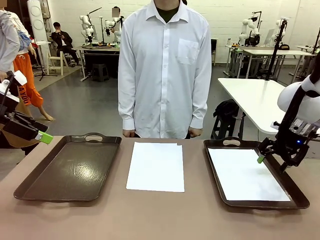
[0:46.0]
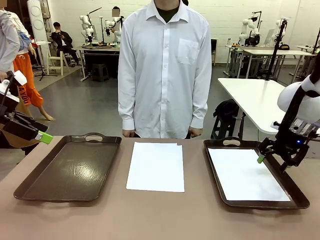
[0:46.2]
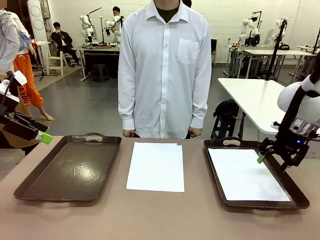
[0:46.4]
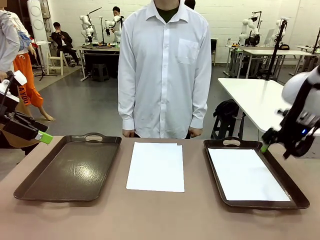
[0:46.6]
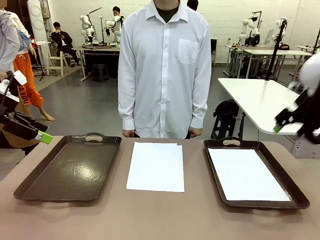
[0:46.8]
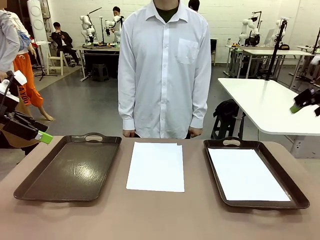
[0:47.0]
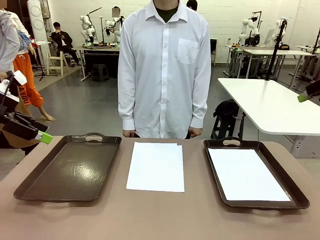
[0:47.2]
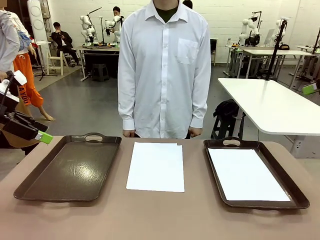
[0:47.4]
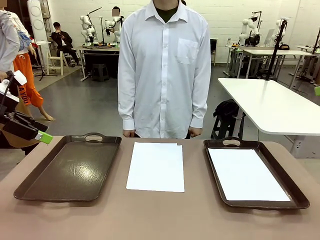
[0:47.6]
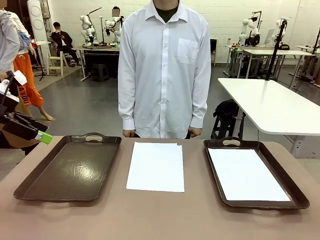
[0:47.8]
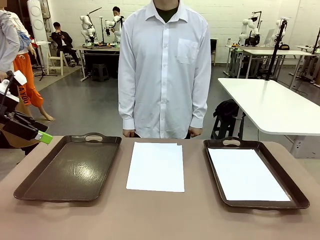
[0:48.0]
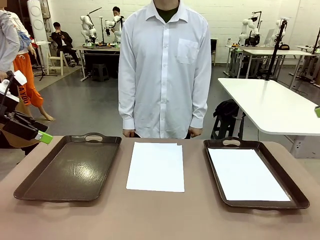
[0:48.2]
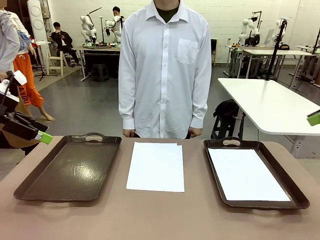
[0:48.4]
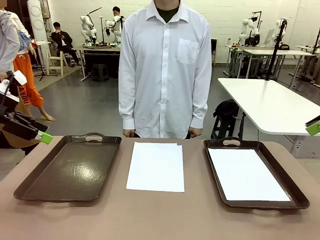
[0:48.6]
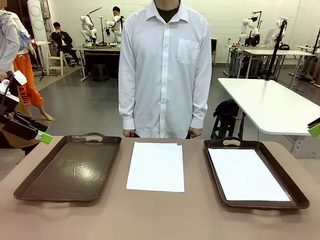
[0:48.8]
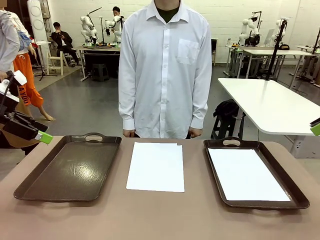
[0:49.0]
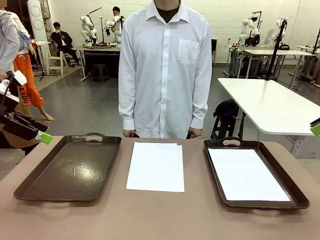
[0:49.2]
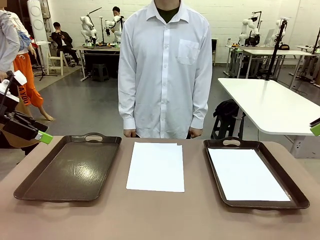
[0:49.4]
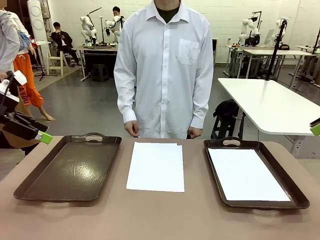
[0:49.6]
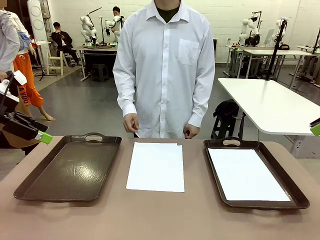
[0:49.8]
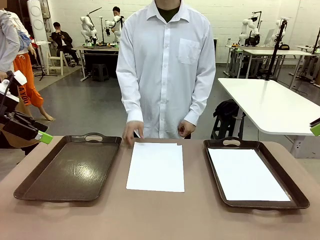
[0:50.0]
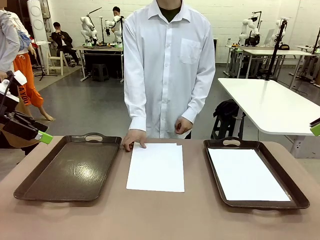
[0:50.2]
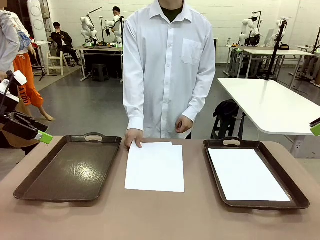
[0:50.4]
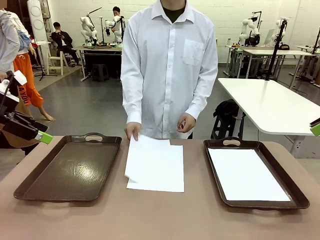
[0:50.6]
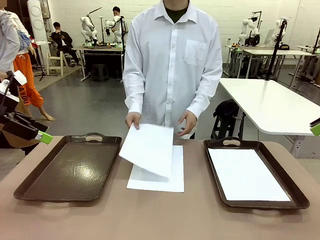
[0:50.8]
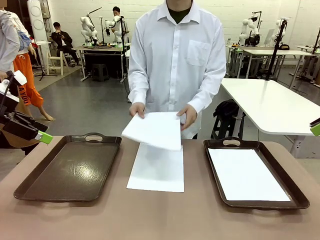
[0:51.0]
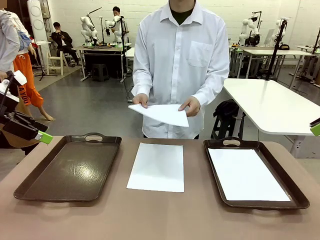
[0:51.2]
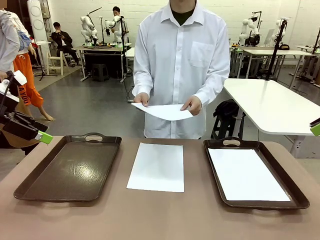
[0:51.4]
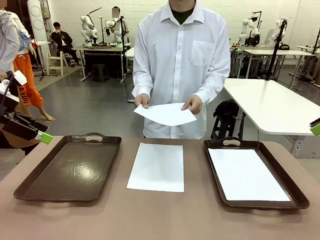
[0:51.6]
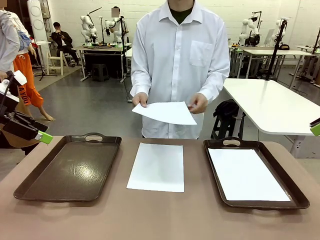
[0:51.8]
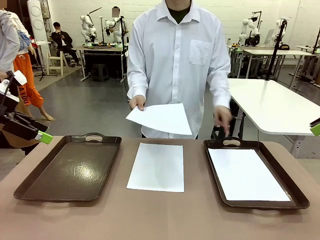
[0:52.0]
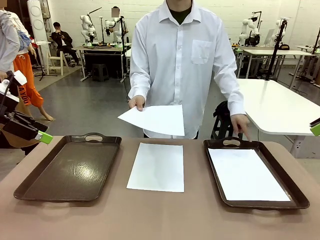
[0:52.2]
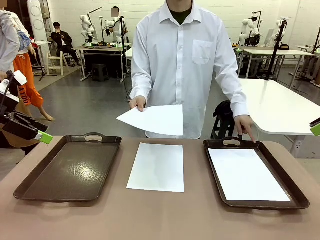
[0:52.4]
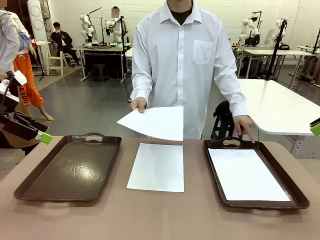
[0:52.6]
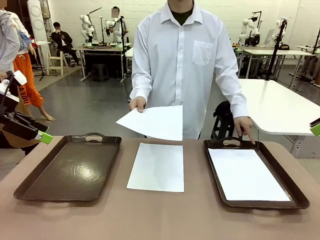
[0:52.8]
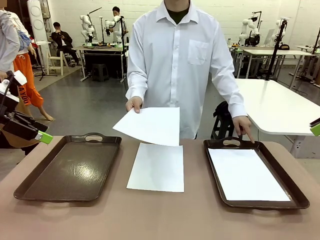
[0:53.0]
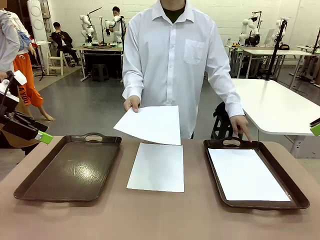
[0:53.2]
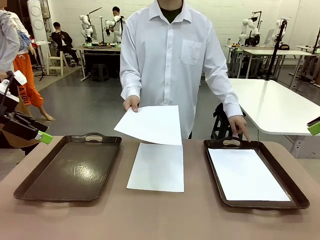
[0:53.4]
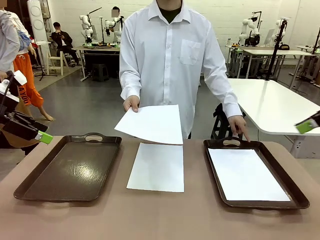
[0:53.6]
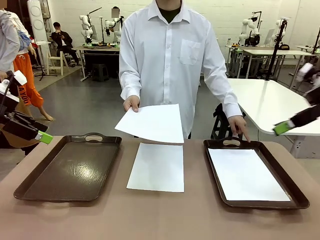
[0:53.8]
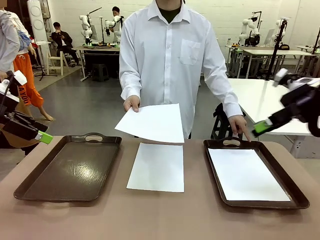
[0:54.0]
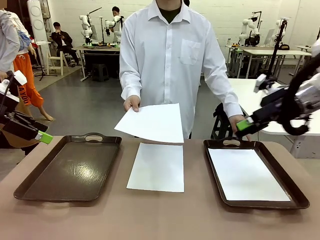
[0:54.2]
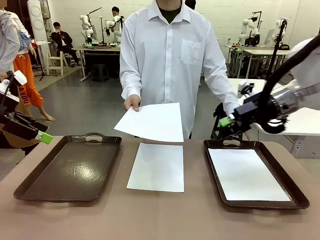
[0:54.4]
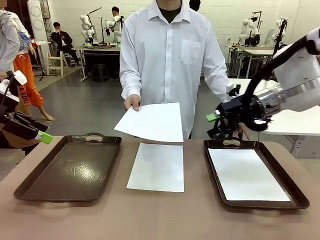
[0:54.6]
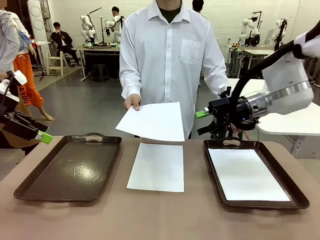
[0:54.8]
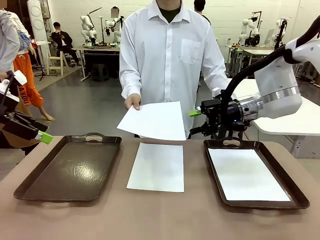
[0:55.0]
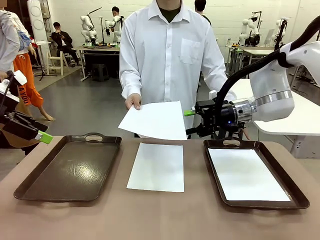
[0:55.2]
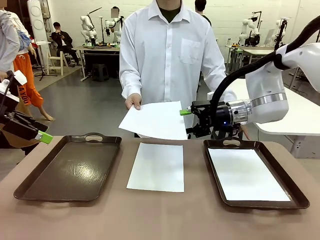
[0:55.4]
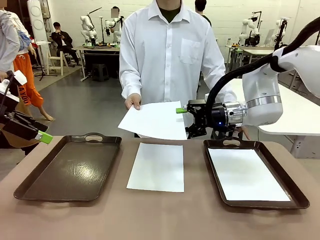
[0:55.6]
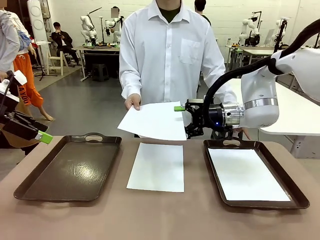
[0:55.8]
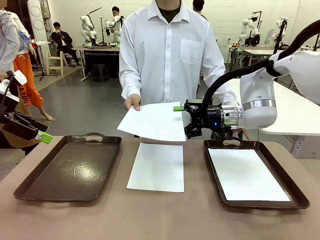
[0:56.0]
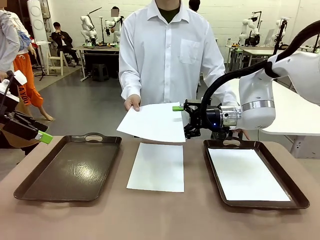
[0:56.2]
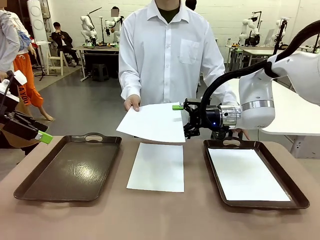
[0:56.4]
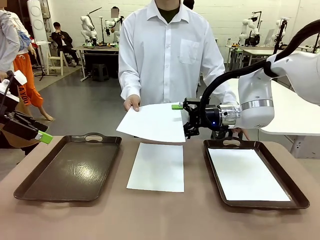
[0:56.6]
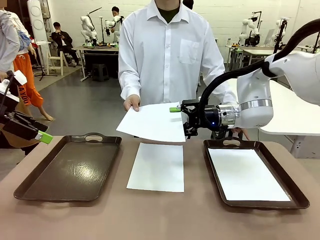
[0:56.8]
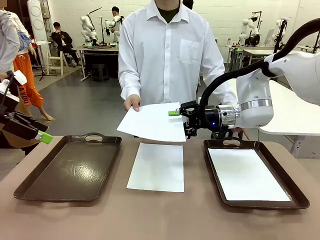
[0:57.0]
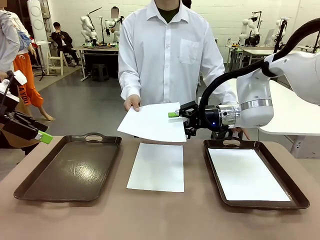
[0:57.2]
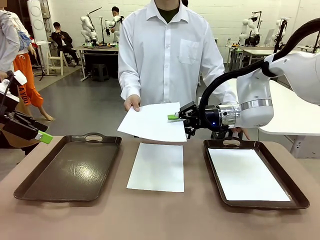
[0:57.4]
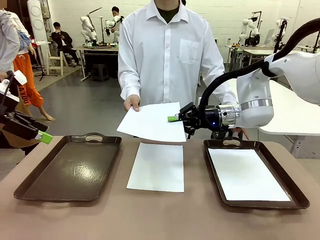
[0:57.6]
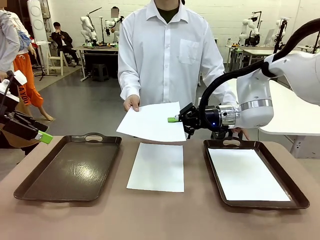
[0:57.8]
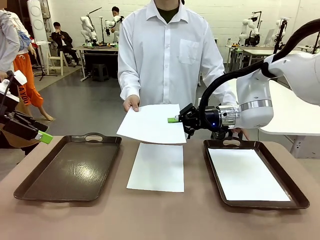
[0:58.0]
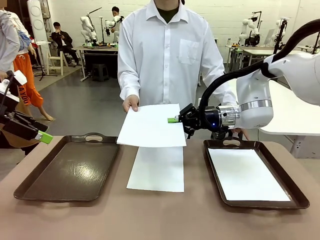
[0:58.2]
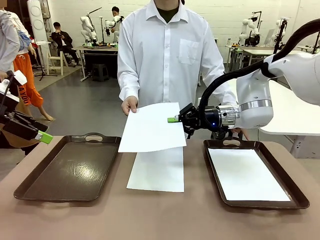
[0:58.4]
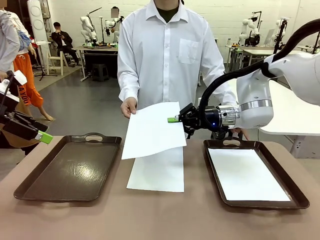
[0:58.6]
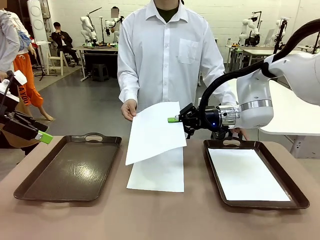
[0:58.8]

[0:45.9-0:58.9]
Task: Sort the A4 documents.
Robot: Receive the A4 Paper.
Person: Point the randomly selected tray with the other hand.

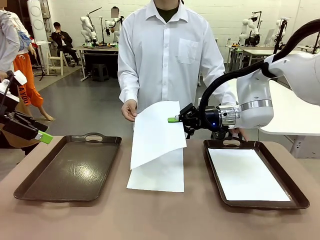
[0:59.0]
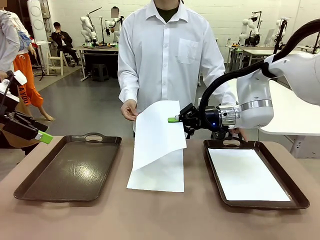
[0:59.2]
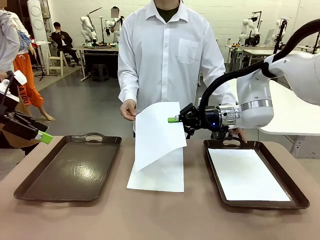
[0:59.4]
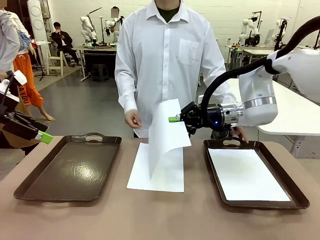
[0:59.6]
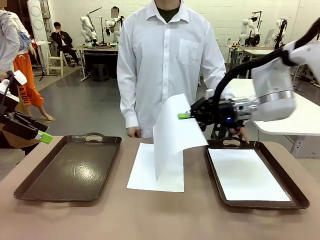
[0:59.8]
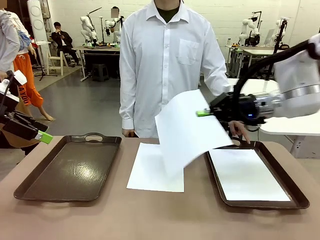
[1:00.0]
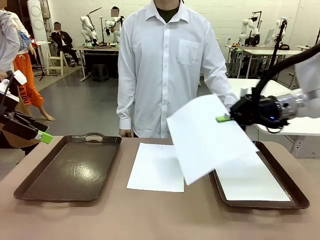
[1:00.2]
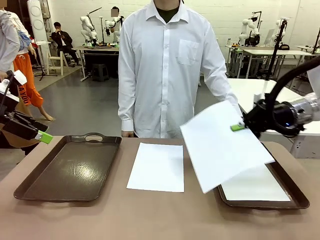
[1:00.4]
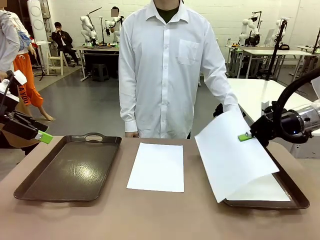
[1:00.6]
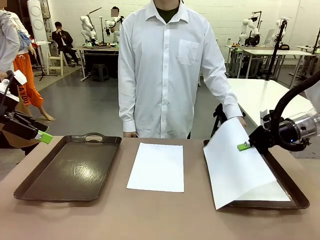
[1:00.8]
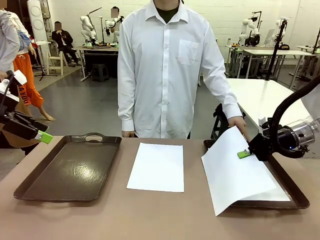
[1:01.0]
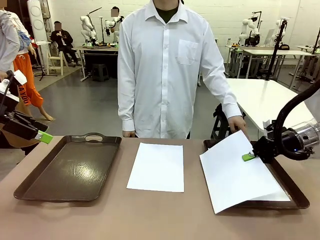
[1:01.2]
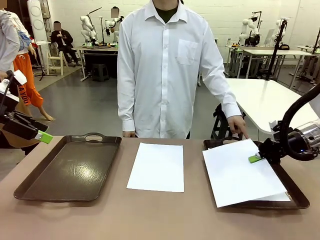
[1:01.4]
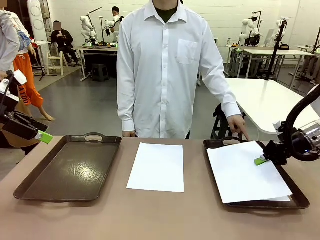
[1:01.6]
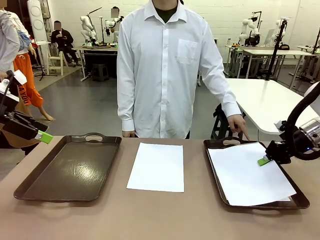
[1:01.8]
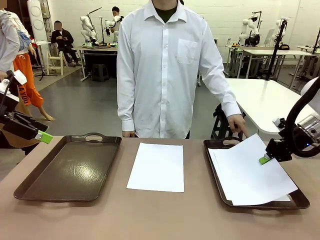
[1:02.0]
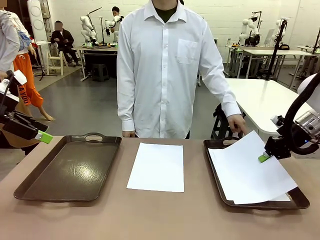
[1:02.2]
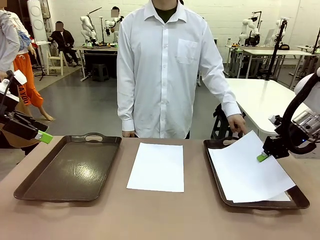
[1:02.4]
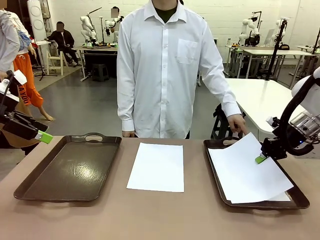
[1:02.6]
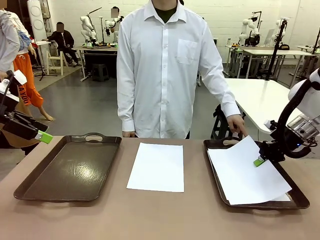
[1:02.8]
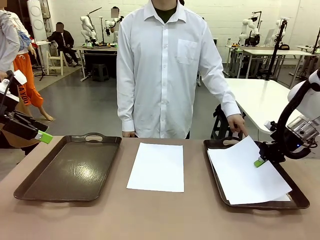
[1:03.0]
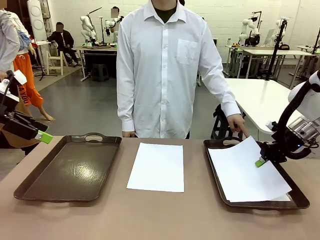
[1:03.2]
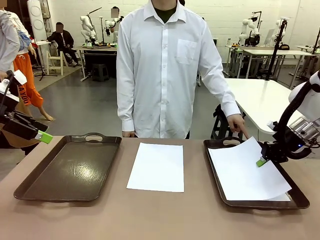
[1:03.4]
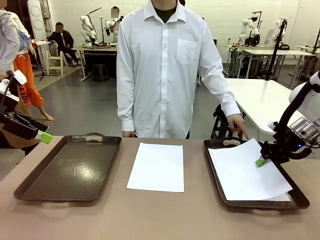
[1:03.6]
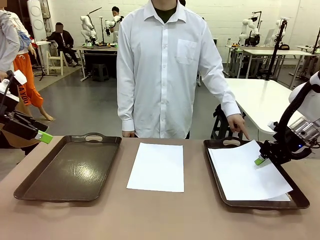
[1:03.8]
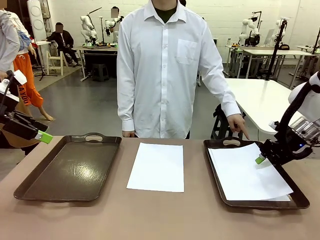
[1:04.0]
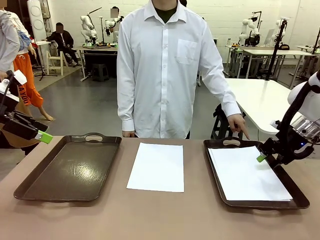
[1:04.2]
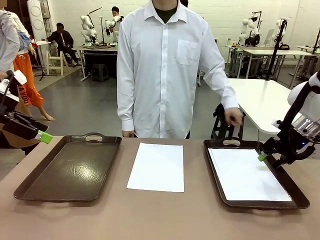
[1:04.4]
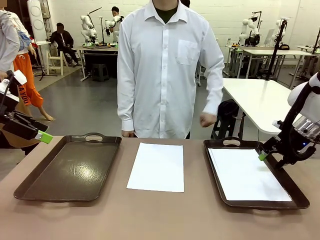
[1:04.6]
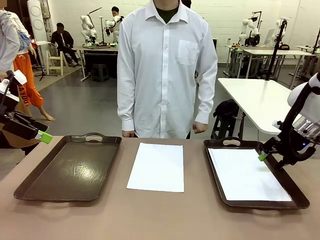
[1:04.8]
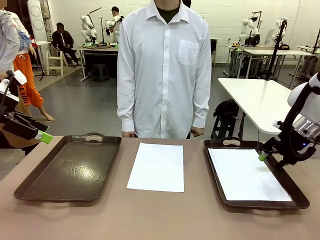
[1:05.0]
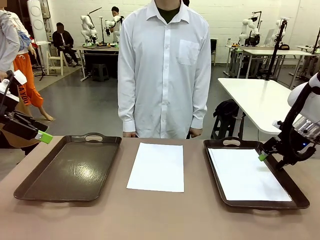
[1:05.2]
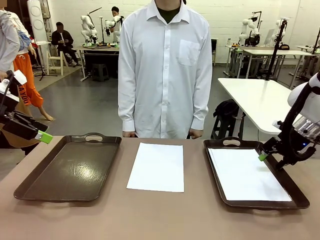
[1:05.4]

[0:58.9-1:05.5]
Robot: Place the A4 Paper in the designated Handle tray.
